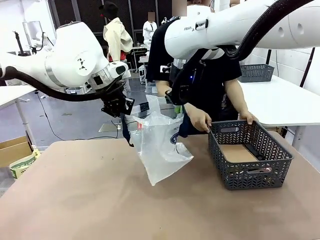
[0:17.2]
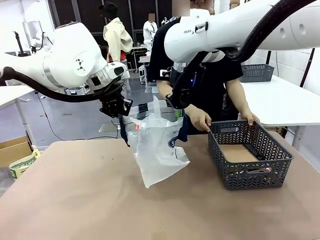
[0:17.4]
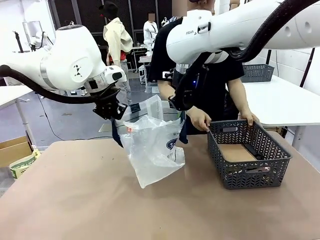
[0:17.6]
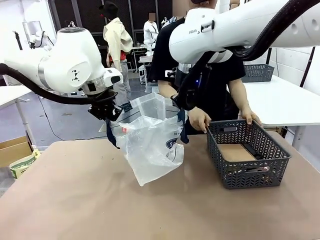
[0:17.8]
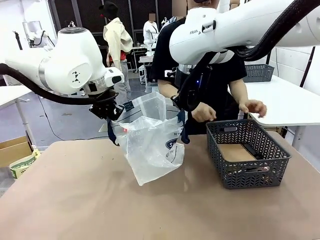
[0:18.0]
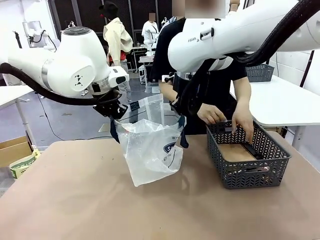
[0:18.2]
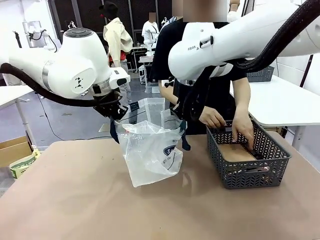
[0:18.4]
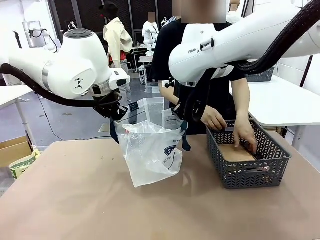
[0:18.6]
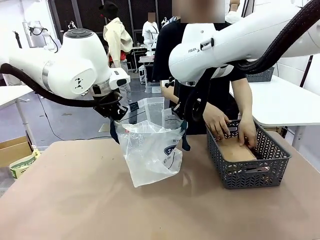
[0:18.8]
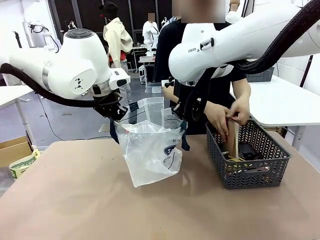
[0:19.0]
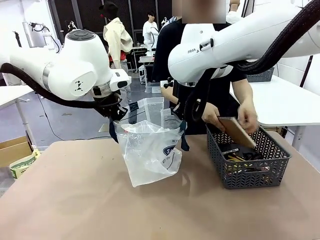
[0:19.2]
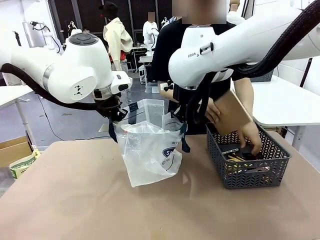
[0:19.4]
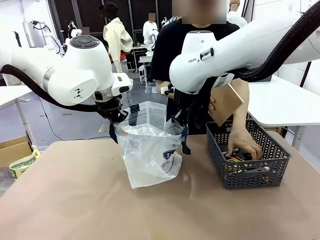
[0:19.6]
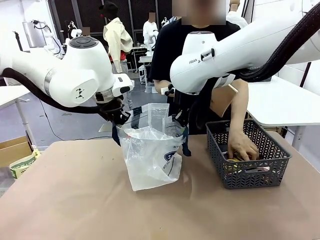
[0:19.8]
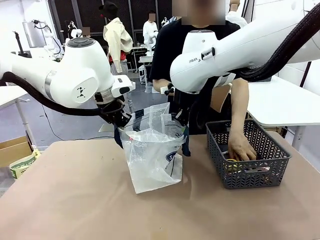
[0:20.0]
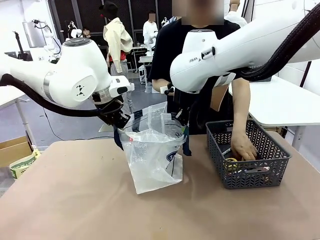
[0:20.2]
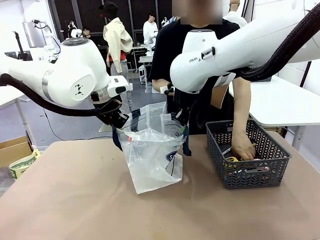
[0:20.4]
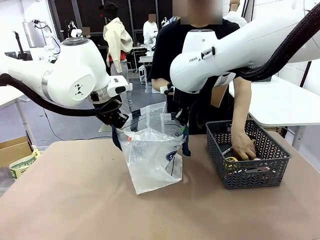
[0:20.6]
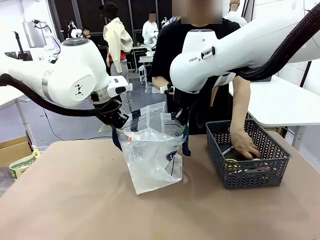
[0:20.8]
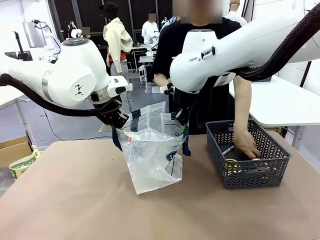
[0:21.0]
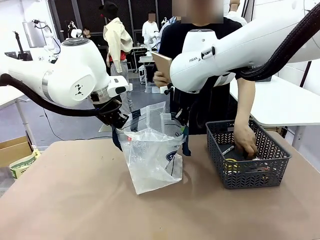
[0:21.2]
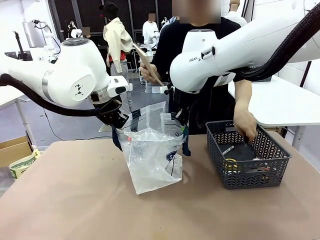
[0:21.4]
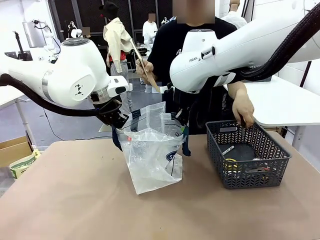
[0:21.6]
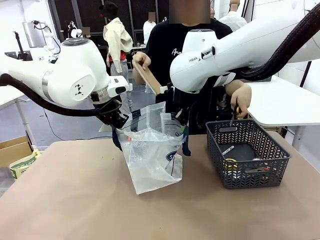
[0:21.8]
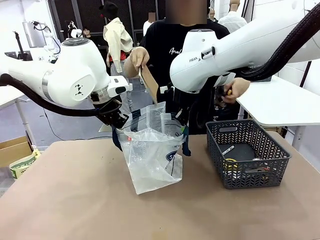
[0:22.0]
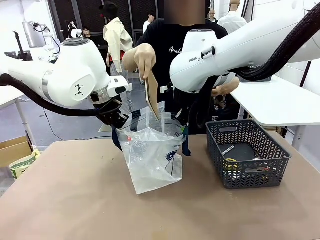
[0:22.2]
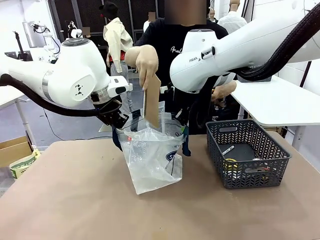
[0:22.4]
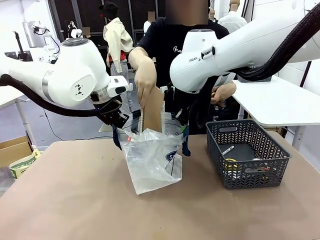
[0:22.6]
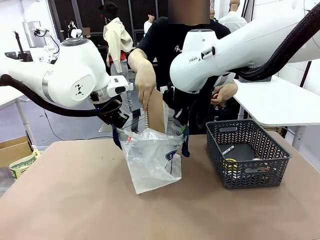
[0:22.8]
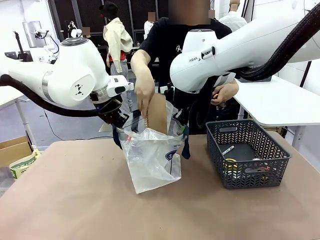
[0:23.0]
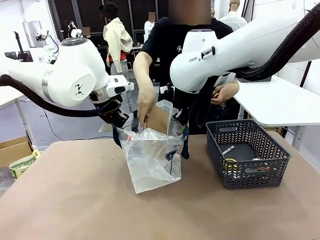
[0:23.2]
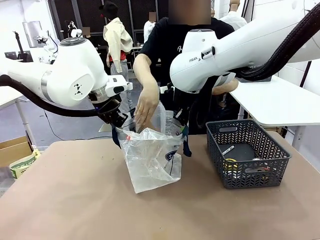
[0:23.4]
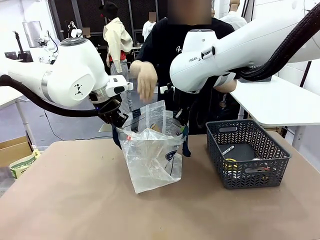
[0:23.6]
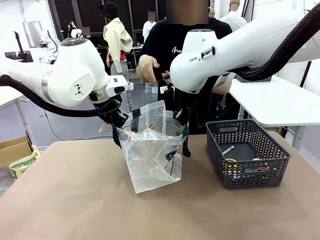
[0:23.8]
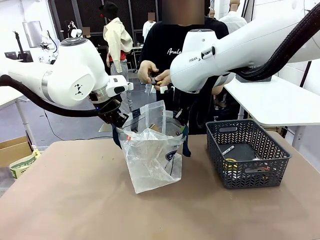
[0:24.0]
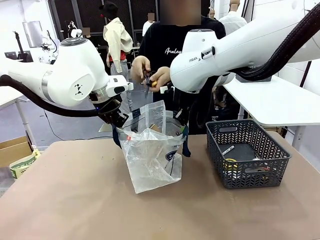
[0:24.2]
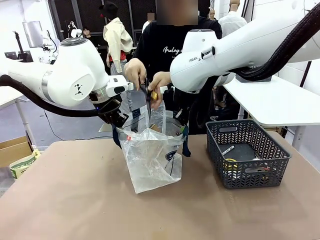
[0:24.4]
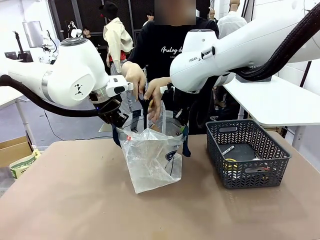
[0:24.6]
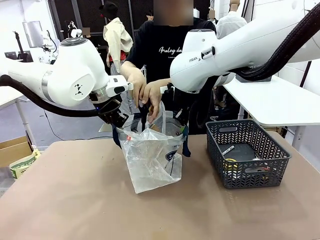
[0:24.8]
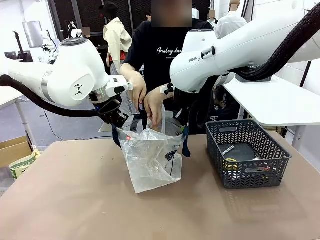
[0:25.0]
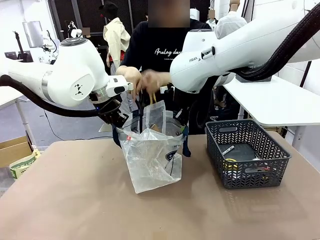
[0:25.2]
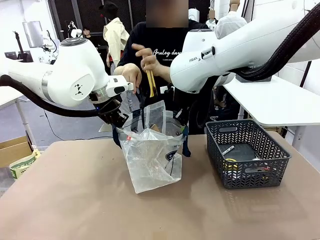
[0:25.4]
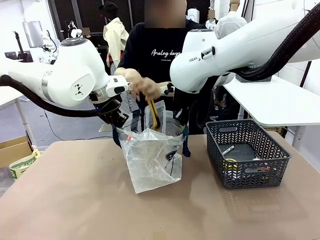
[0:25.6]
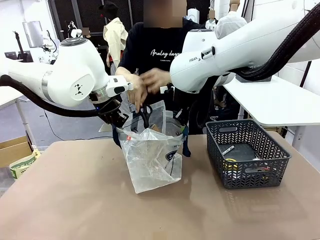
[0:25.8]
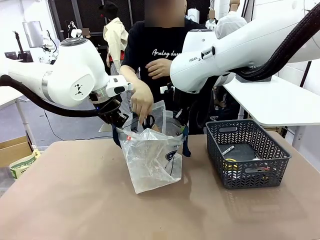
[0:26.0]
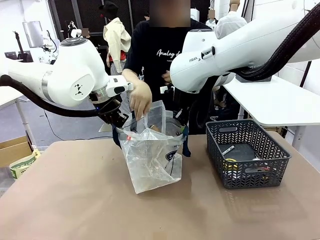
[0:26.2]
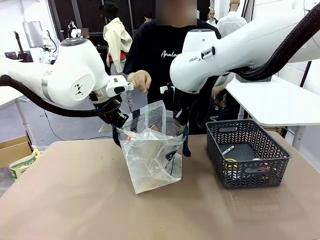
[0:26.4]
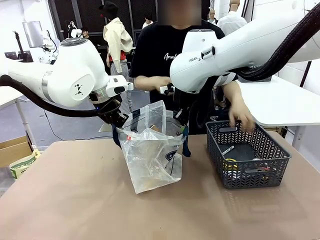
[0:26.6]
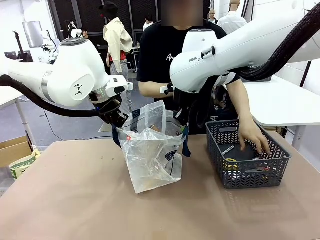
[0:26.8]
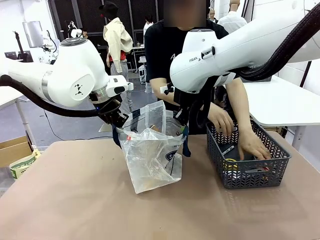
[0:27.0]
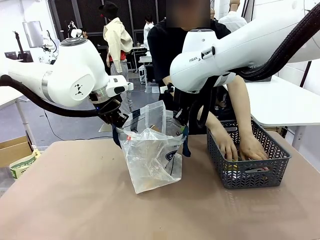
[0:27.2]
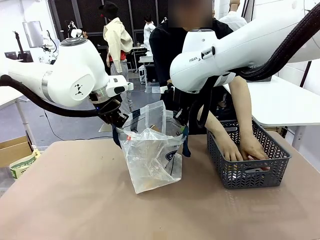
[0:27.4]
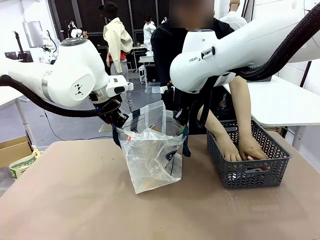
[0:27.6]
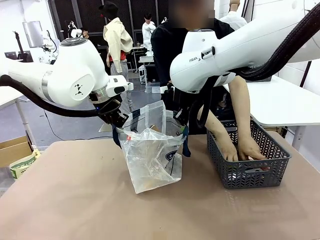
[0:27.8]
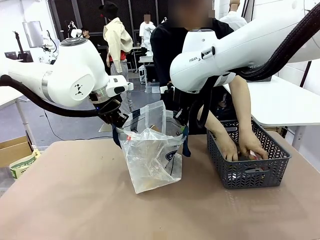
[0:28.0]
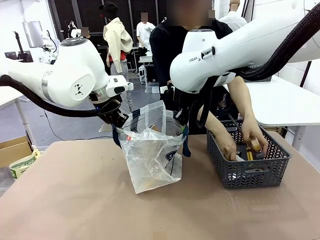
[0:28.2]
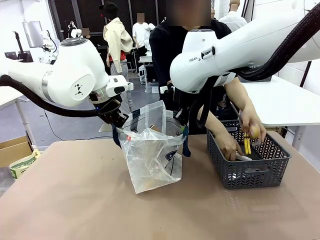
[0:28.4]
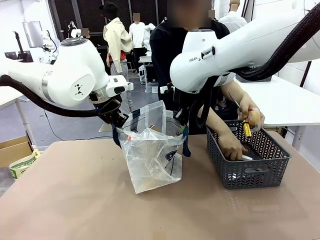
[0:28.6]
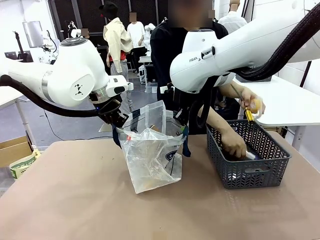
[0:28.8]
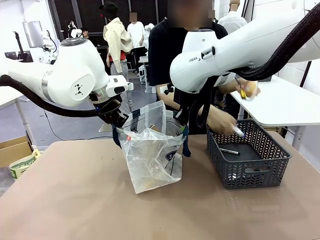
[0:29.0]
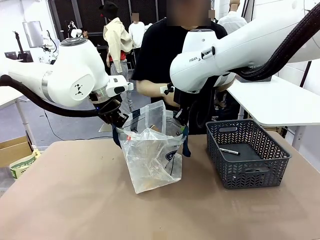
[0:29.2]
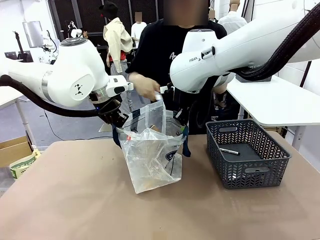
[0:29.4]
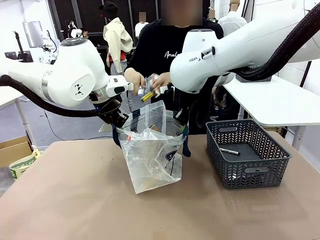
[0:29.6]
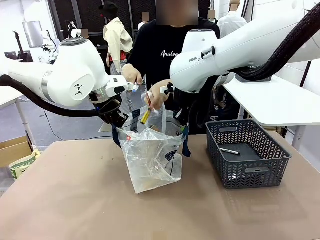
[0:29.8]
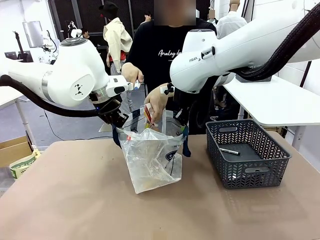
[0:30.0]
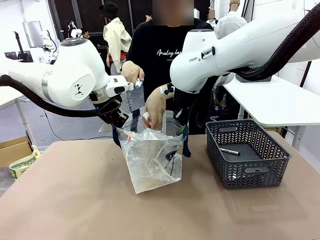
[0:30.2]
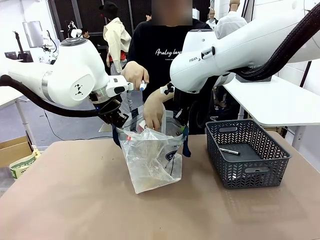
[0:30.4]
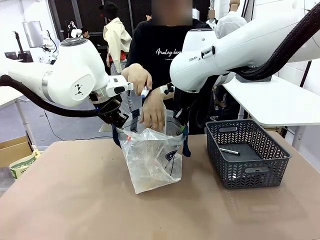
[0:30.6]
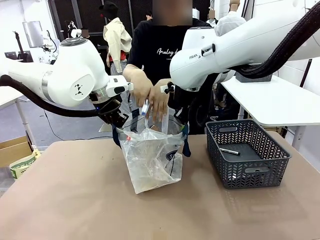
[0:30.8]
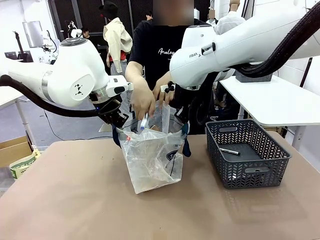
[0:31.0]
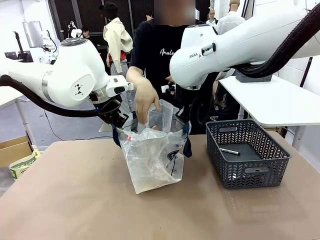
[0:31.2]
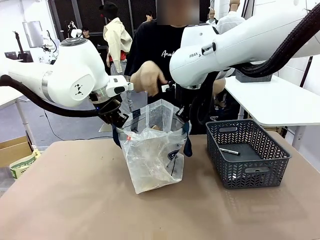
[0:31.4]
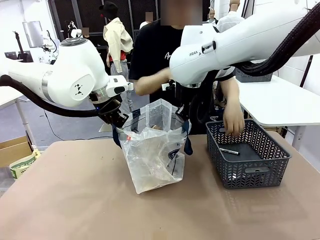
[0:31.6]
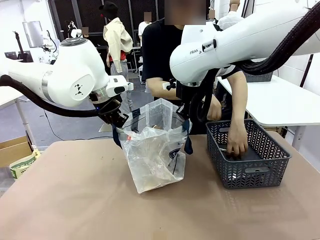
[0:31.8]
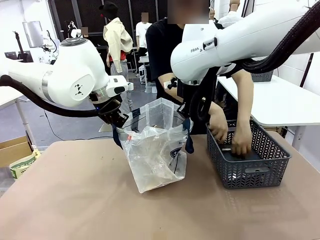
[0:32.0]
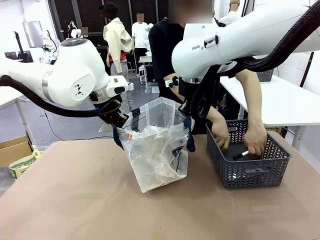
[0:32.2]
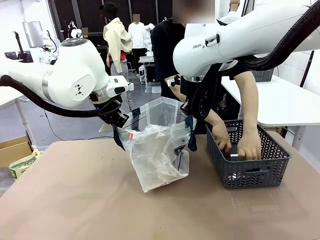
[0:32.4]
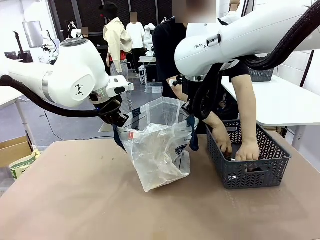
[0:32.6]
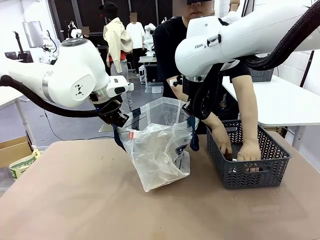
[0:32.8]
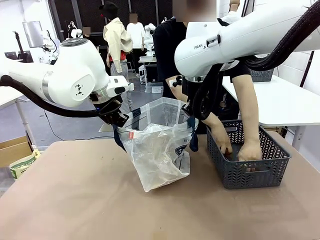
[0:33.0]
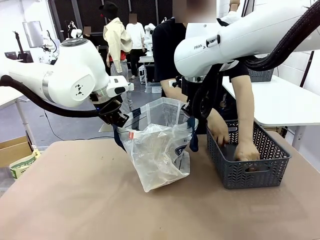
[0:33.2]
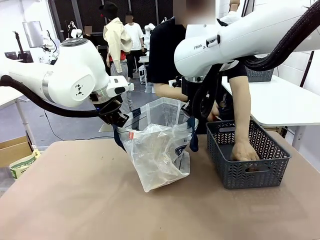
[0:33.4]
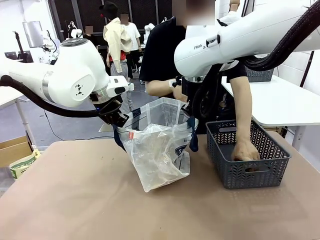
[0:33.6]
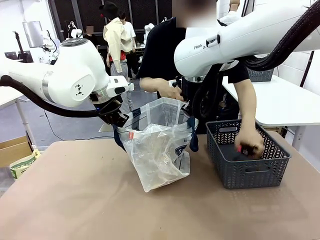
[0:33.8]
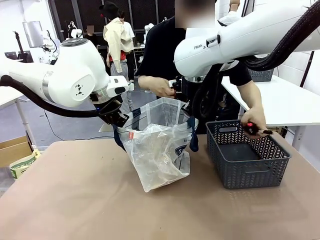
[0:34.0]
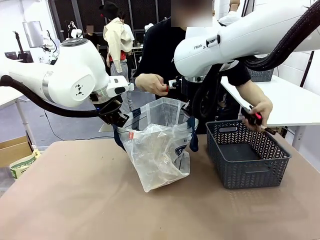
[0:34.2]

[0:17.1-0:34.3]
Task: Transfer purchased items from the store into the shopping bag.
Robot: Open the Reusable shopping bag in the center of the table.
Person: Pick up the basket on the right, place it on the left side of the robot table, and move the items in the basket to the shopping bag.
